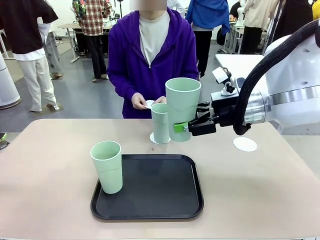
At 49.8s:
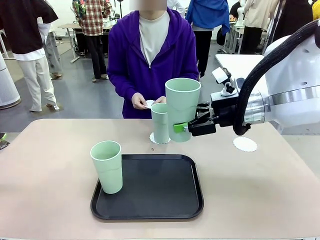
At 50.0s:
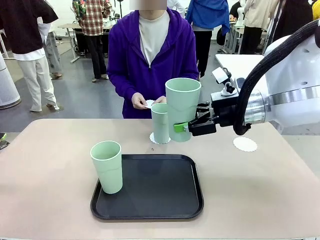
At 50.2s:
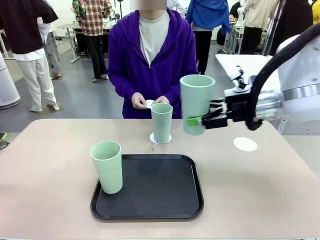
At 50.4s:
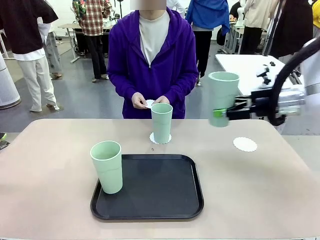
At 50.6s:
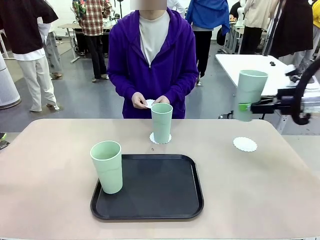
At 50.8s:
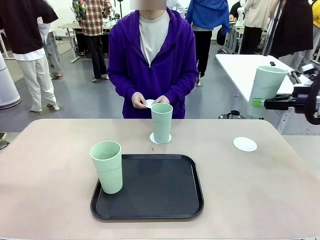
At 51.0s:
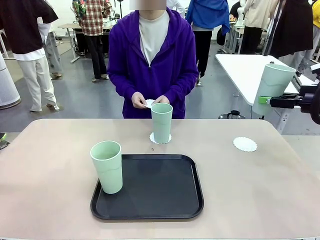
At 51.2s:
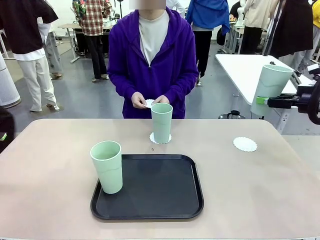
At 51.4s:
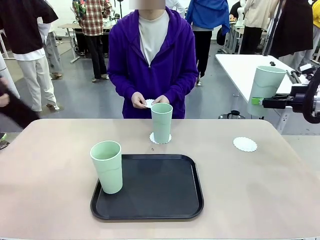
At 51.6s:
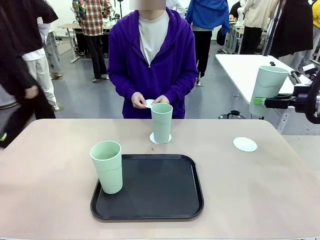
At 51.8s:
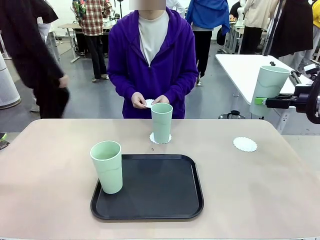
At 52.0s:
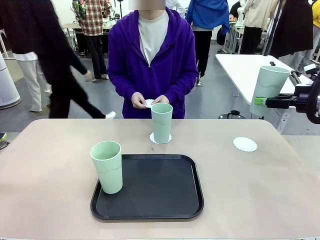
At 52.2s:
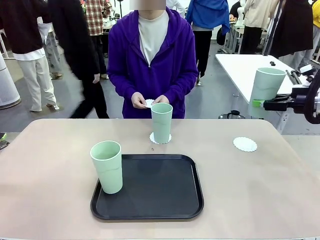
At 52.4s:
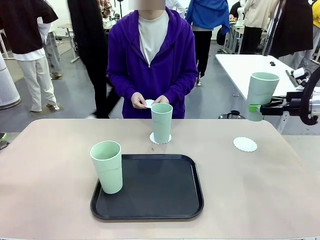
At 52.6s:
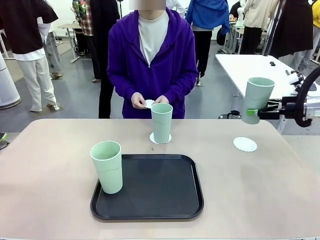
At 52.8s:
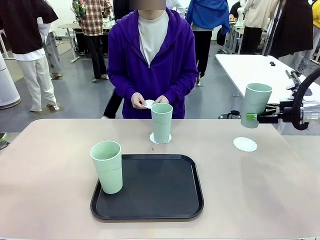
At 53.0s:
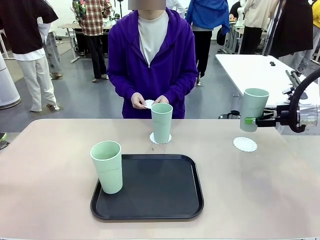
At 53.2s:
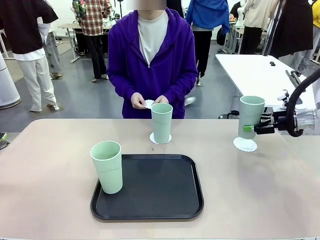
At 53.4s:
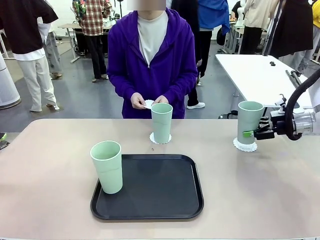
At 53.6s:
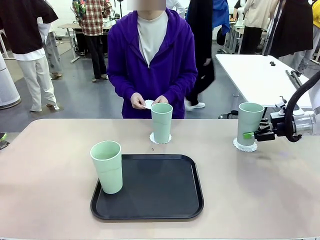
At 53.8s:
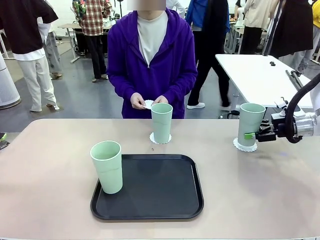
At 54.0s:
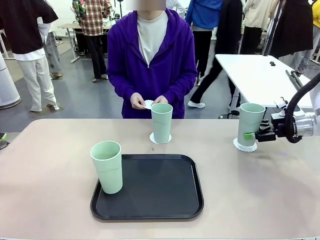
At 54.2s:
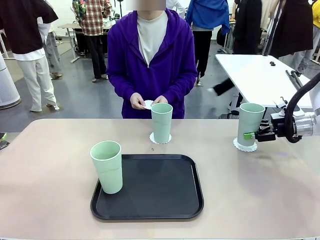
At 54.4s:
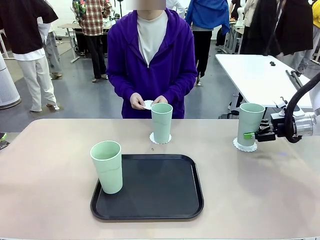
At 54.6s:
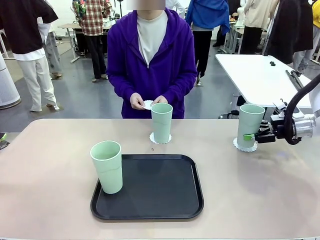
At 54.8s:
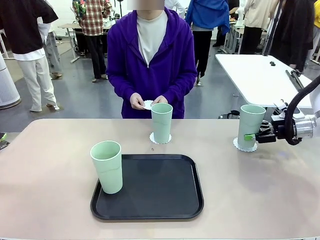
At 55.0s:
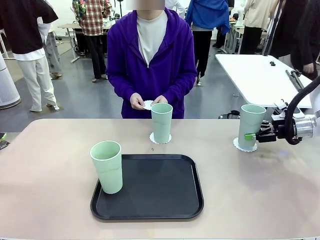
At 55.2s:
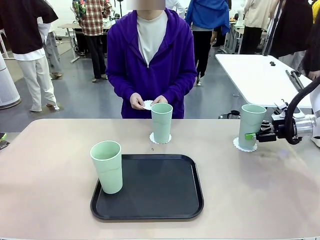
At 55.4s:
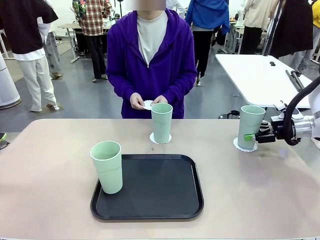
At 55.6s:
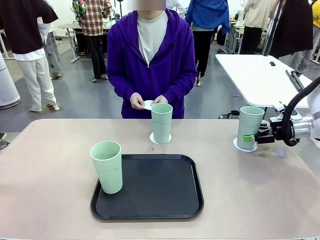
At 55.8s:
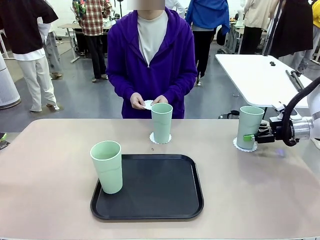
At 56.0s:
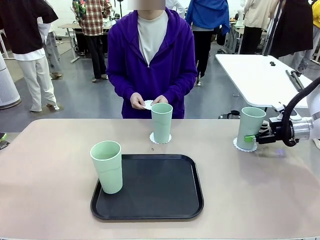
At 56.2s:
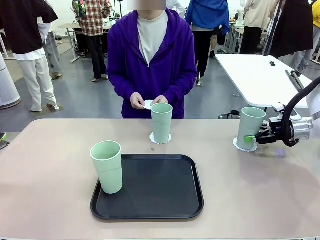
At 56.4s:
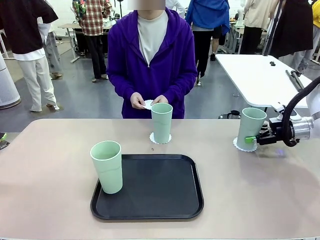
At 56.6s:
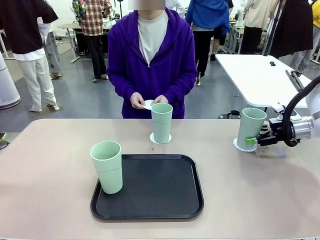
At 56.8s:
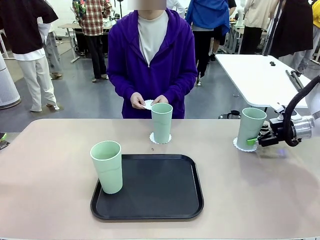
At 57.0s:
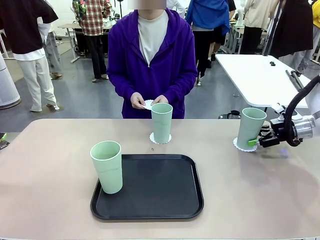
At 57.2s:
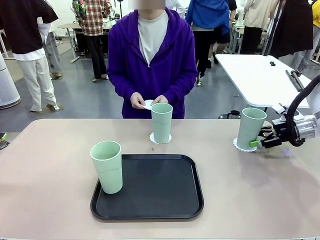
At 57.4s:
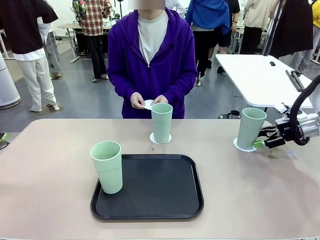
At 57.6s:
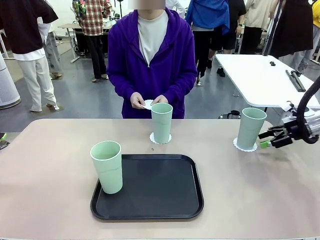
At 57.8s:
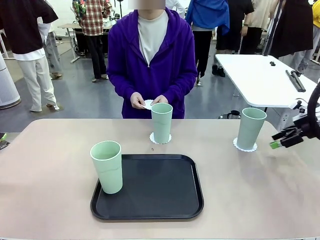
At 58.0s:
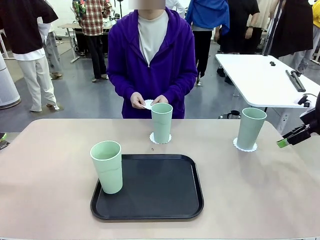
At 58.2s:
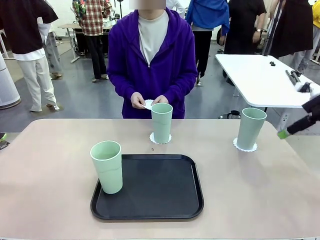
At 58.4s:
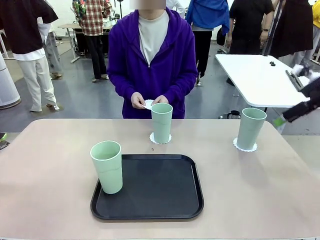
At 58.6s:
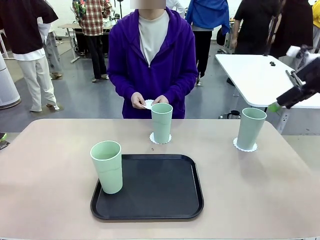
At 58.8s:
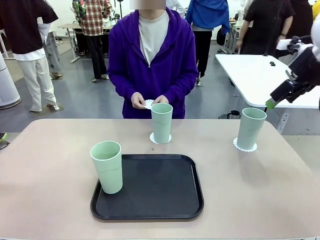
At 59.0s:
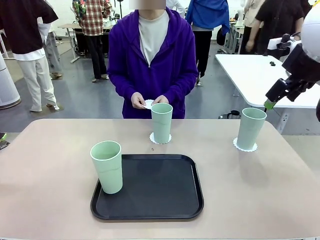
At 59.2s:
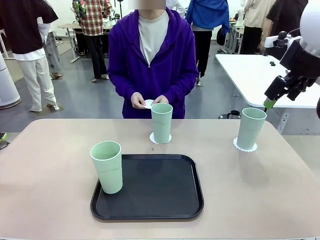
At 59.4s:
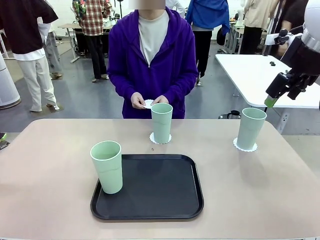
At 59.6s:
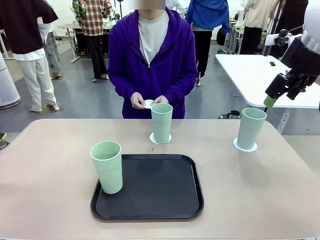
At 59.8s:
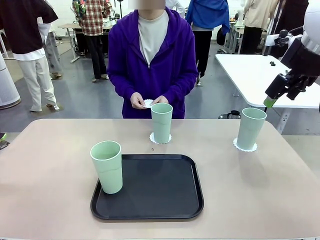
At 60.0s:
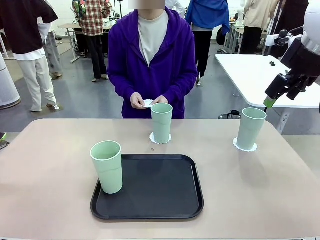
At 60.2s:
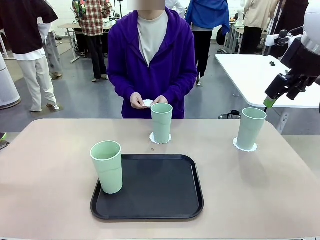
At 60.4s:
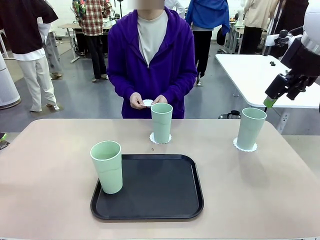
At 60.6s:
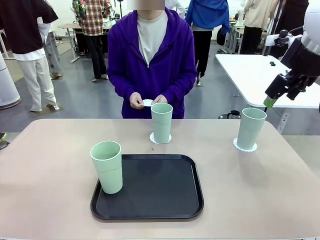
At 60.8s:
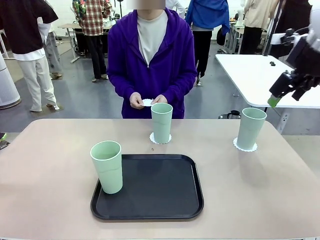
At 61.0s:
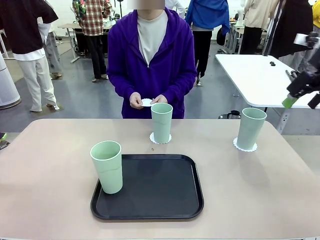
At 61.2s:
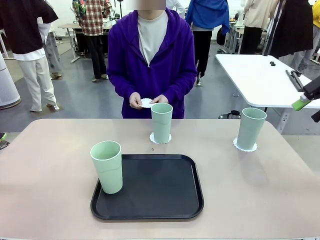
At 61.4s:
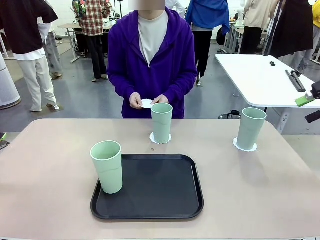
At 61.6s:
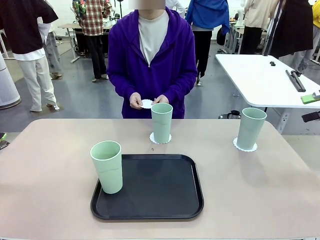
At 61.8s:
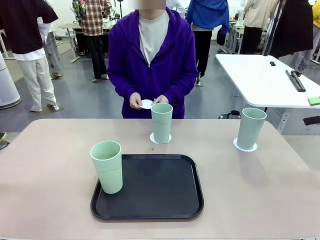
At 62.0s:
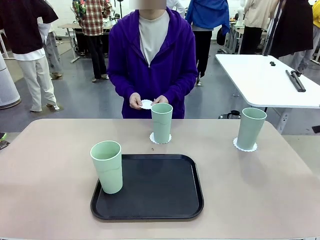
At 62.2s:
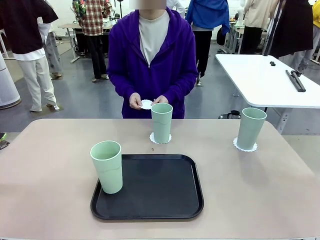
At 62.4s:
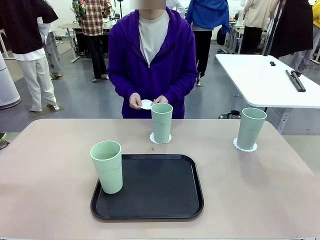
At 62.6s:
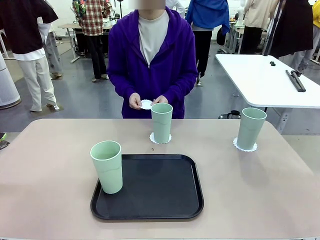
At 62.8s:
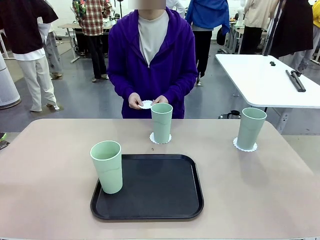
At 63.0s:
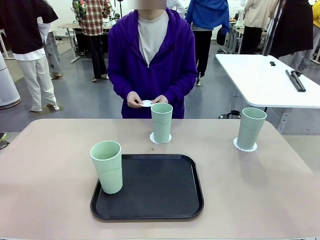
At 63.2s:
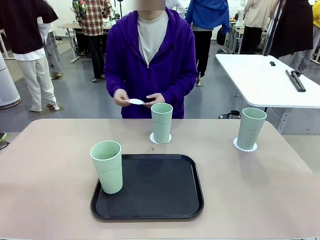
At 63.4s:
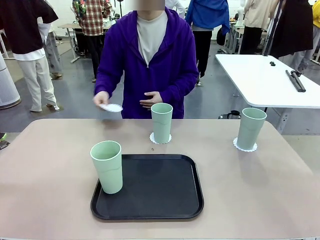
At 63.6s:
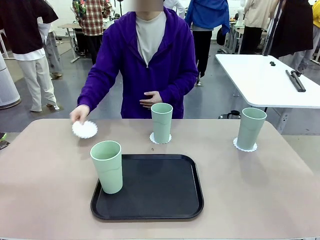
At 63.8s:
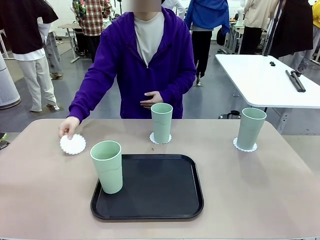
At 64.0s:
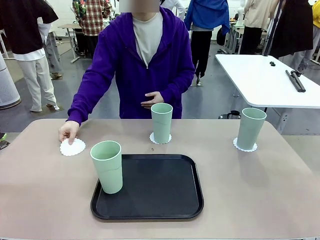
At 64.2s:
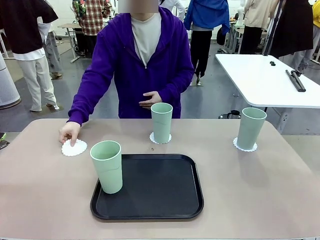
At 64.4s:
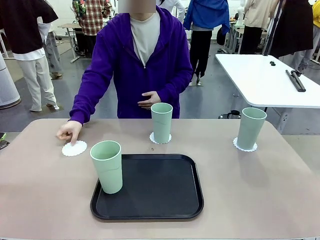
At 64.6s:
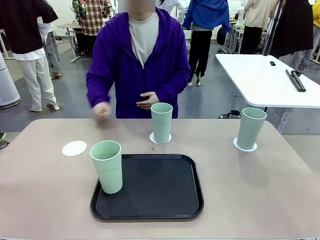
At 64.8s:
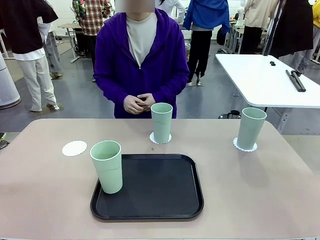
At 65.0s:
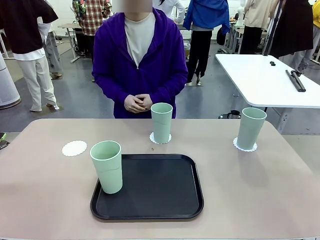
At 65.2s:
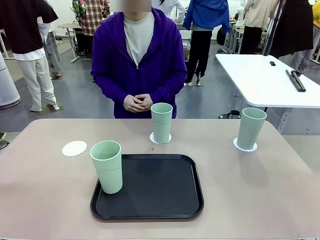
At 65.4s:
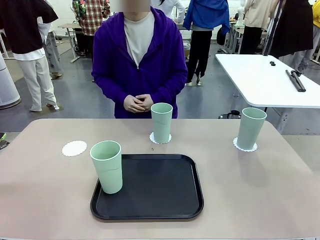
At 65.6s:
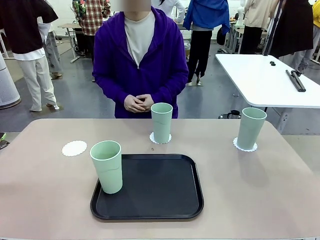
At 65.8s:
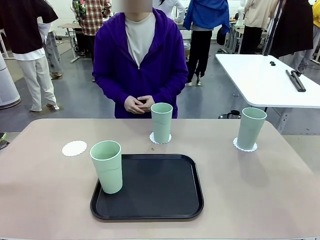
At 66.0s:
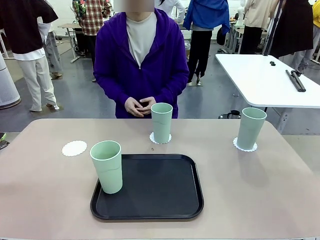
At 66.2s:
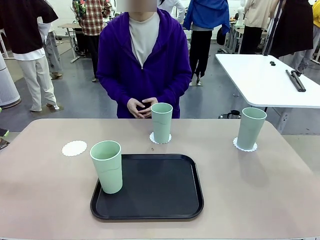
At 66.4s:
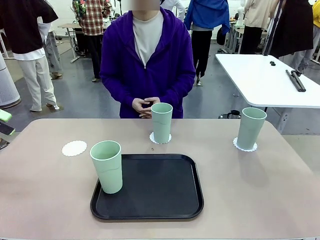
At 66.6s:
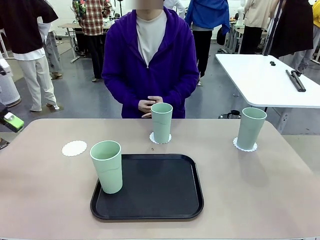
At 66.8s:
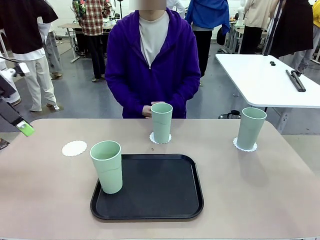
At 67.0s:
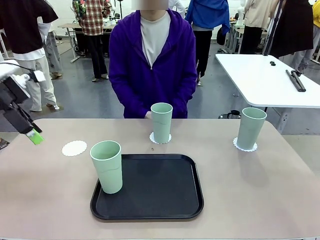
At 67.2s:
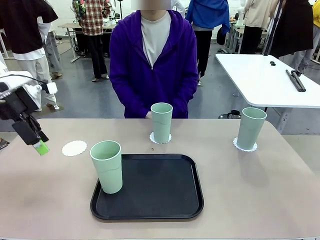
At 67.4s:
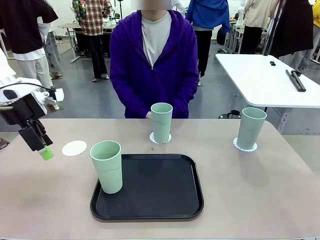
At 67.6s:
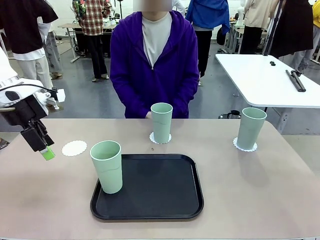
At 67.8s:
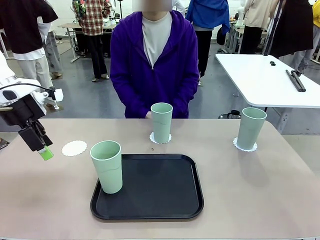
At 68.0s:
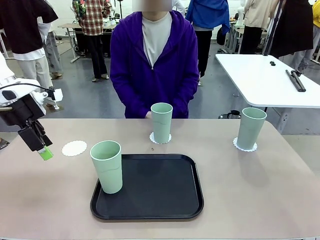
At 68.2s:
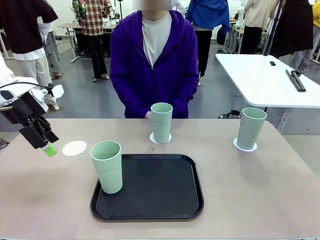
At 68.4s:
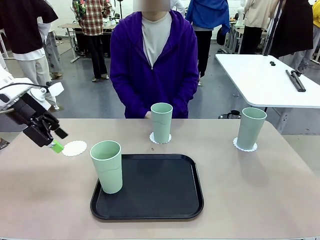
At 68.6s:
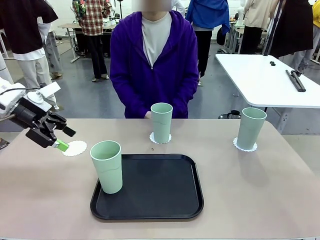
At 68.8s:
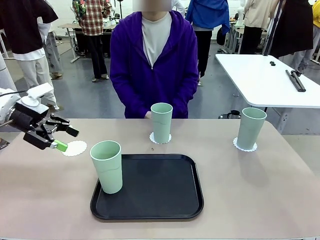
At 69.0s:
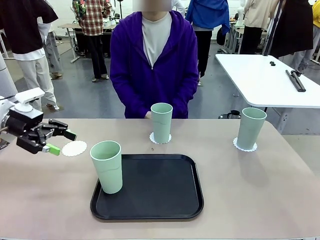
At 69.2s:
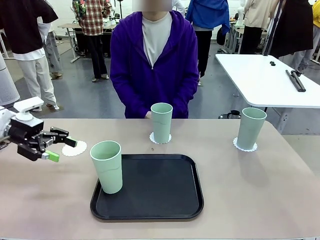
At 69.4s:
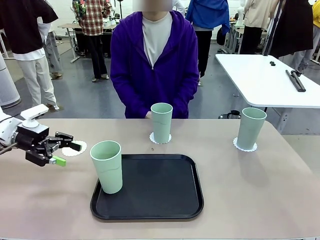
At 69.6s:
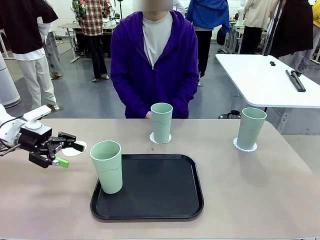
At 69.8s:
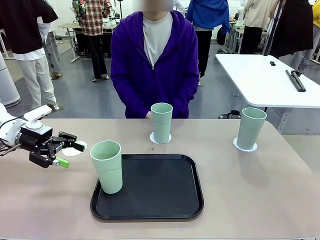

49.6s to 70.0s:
Task: Place coasters on the table and set cups on them.
Robot: Take one Reusable plastic cup from the Flat Tray and place it on a coaster set by the human.
